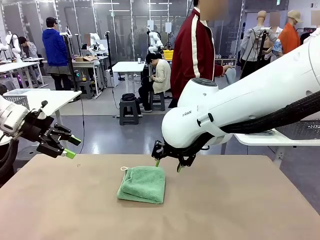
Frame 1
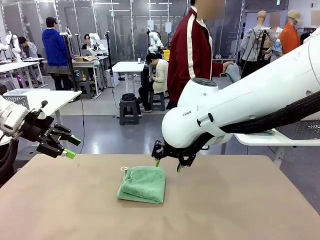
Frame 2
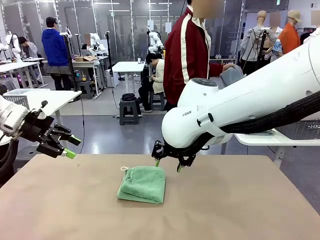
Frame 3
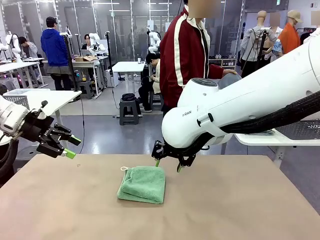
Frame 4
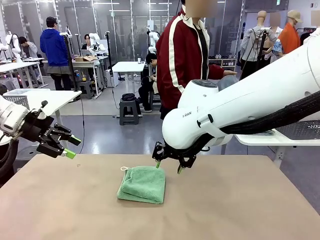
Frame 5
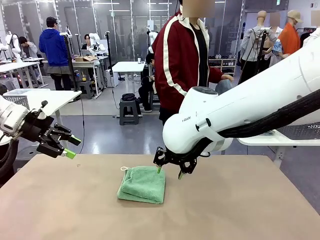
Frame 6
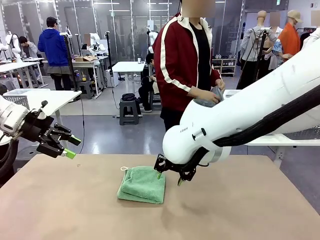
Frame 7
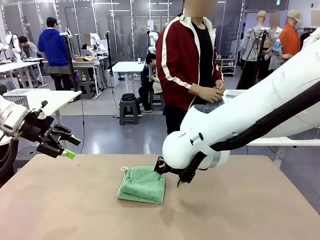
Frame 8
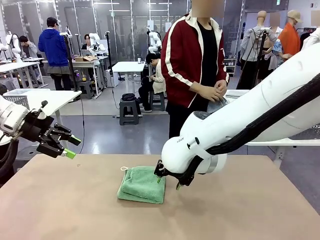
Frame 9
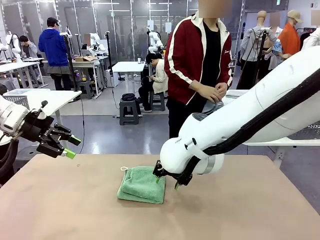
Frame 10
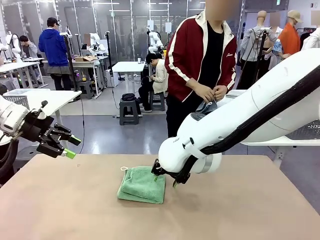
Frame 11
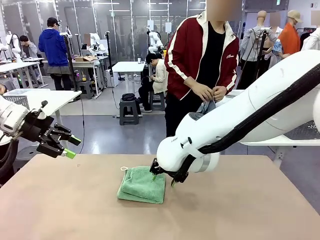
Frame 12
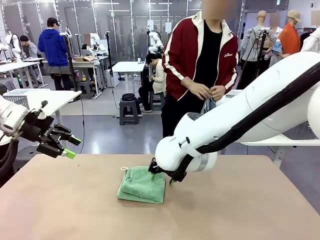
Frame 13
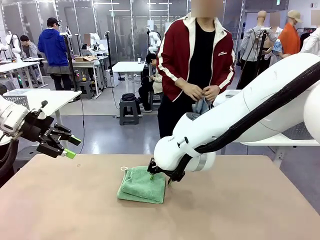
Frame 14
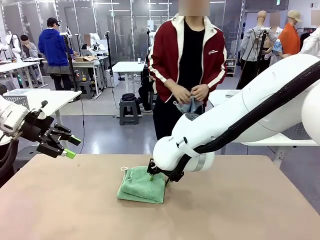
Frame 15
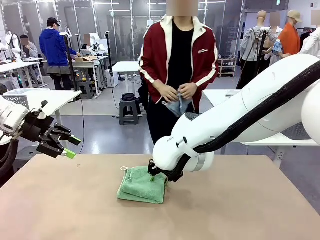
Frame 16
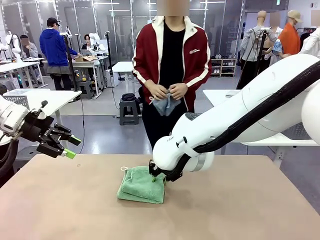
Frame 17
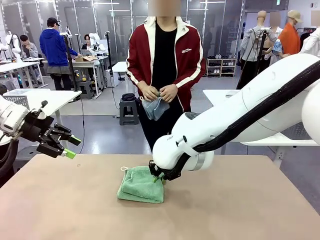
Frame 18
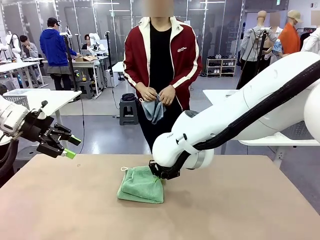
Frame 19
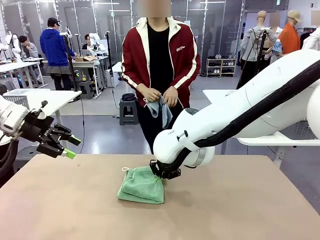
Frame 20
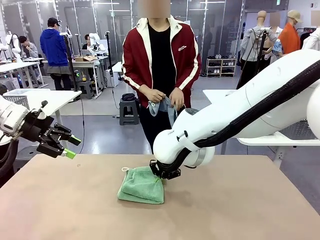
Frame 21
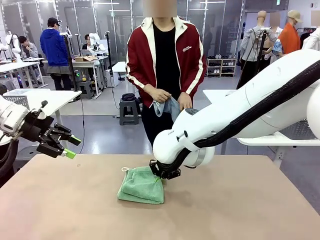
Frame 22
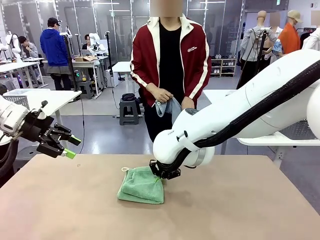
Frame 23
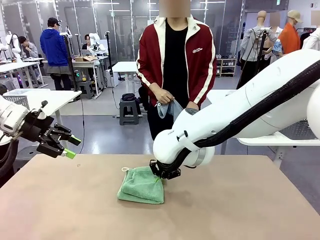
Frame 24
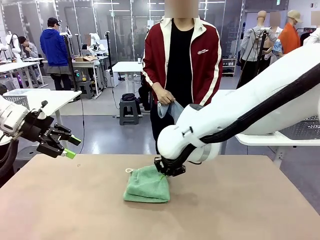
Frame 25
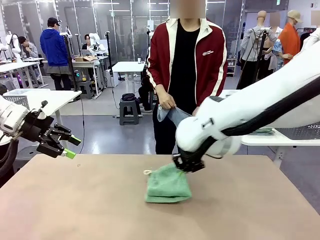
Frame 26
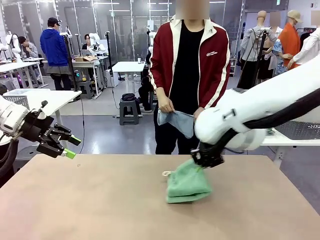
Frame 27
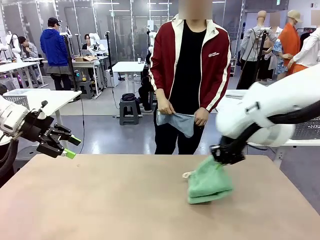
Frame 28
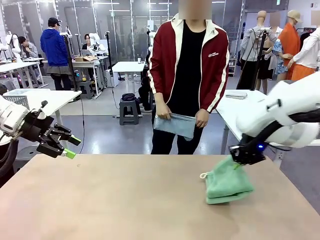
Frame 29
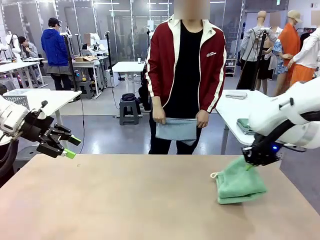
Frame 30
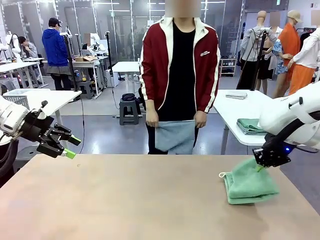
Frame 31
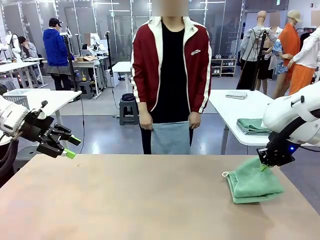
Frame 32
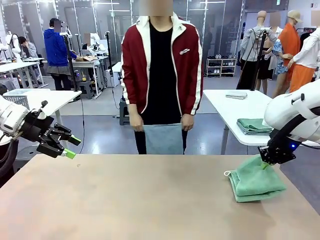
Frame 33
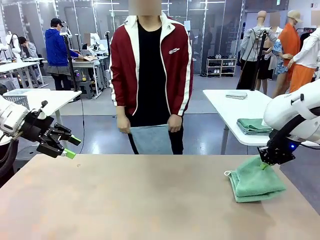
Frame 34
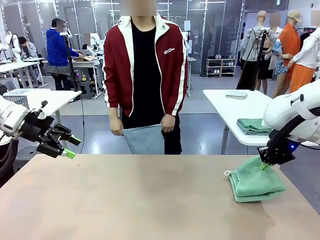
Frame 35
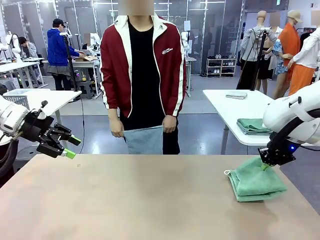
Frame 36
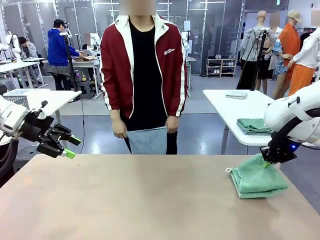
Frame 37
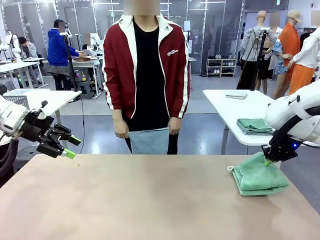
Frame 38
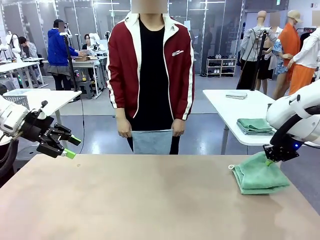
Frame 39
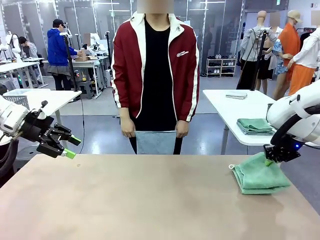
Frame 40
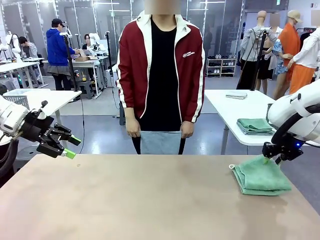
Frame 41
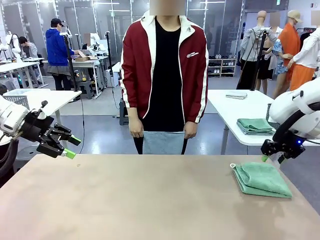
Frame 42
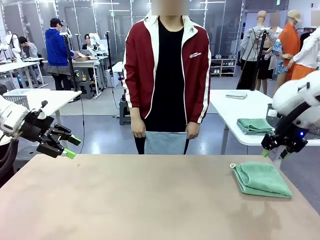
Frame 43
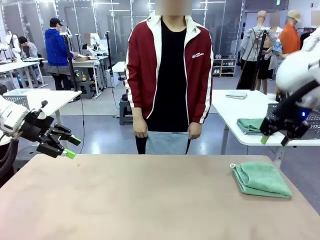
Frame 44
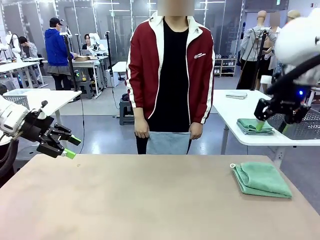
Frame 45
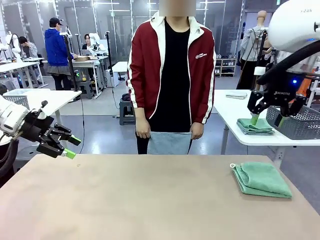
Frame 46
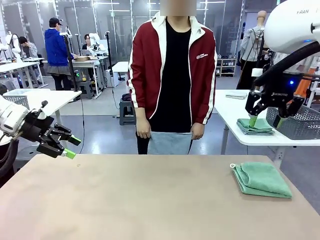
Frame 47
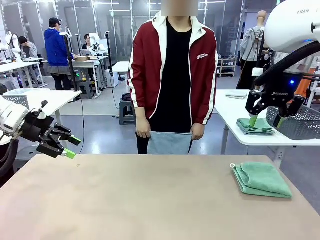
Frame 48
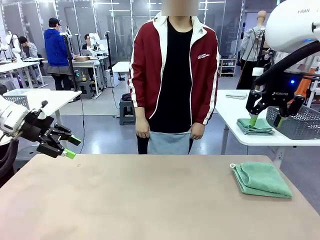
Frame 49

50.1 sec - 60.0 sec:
Task: Fold the towels and place them in the basket.
Robot: Place the folded Towel with hook on the right side of the table.
Person: Pick up one towel from the left side of the human table and spread it out at the center of the robot table.

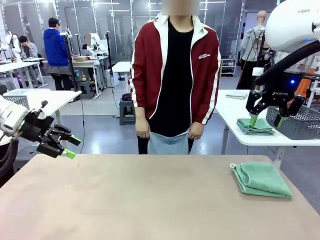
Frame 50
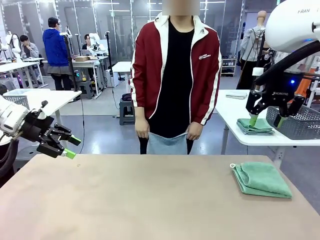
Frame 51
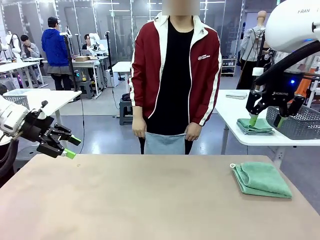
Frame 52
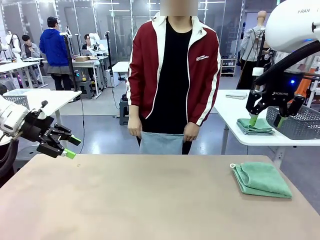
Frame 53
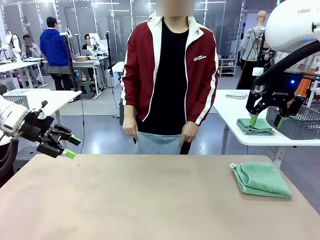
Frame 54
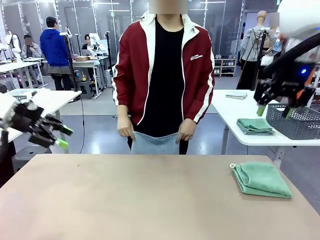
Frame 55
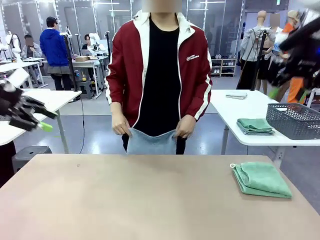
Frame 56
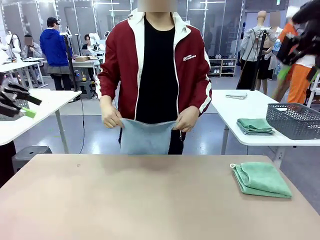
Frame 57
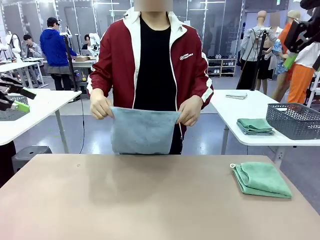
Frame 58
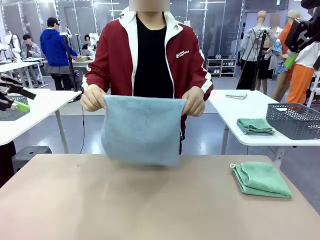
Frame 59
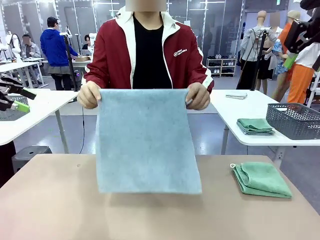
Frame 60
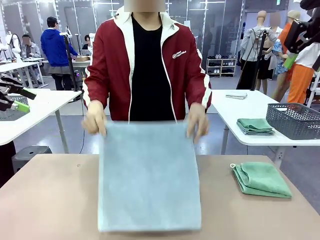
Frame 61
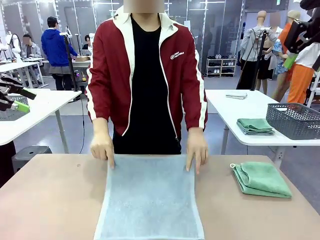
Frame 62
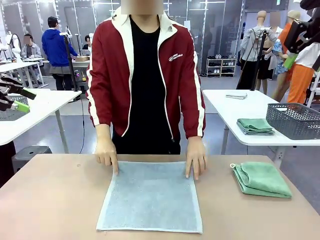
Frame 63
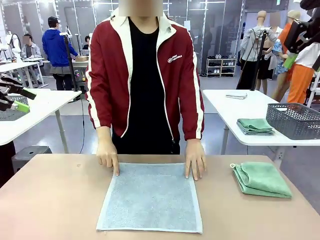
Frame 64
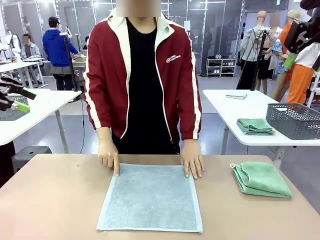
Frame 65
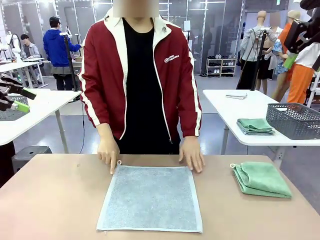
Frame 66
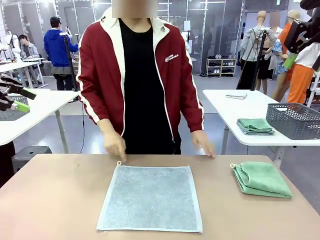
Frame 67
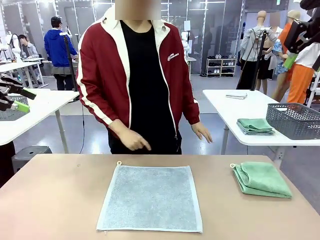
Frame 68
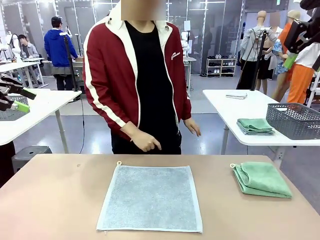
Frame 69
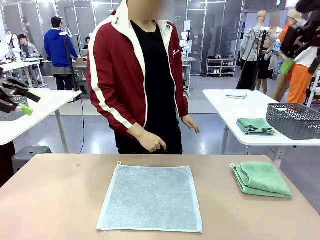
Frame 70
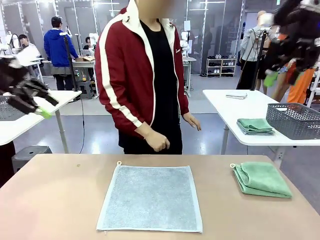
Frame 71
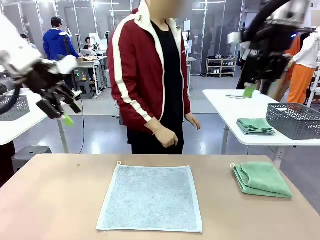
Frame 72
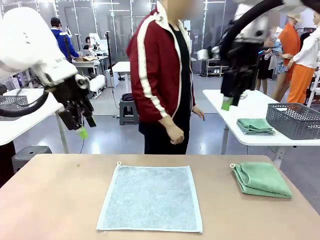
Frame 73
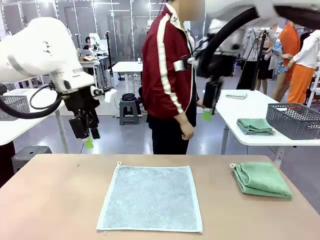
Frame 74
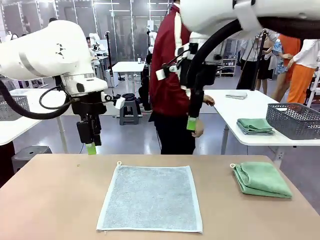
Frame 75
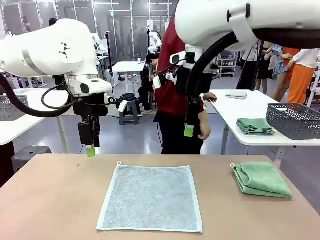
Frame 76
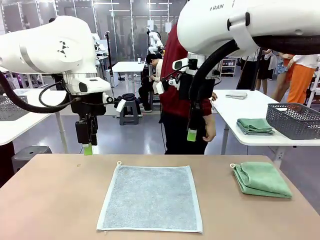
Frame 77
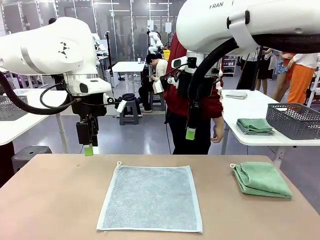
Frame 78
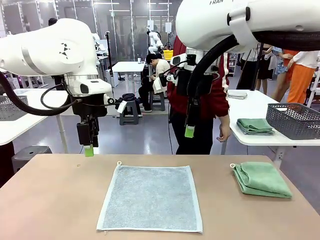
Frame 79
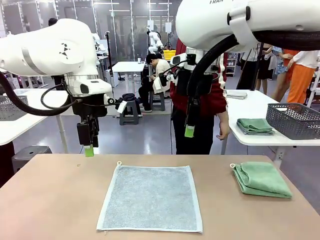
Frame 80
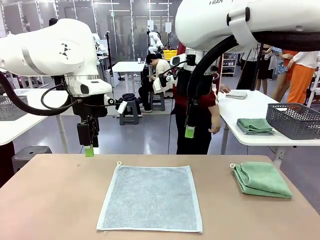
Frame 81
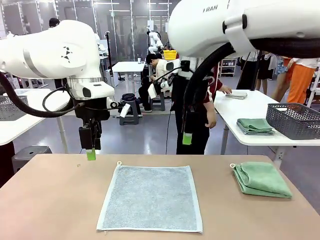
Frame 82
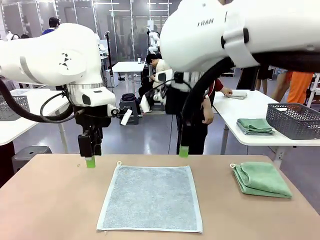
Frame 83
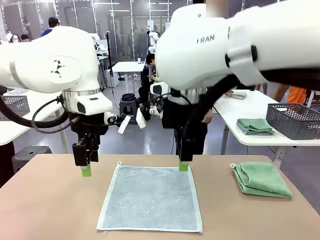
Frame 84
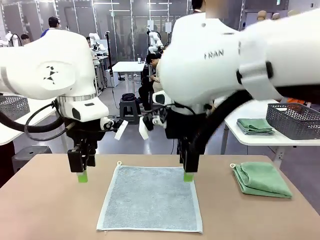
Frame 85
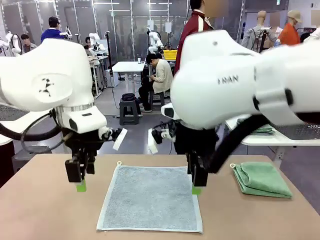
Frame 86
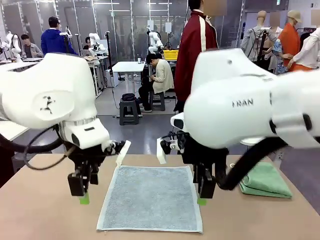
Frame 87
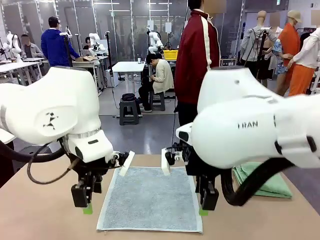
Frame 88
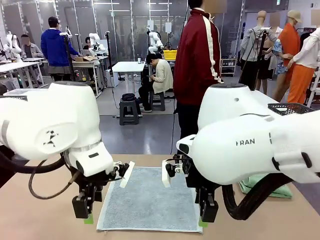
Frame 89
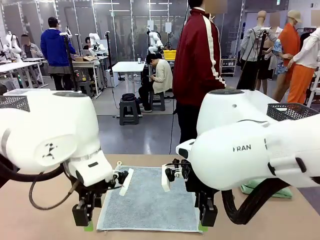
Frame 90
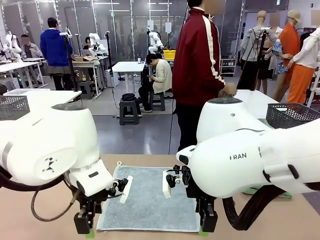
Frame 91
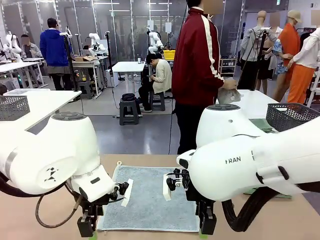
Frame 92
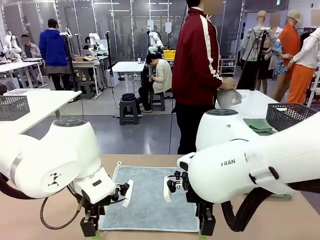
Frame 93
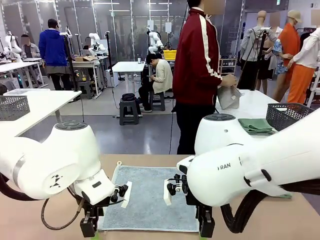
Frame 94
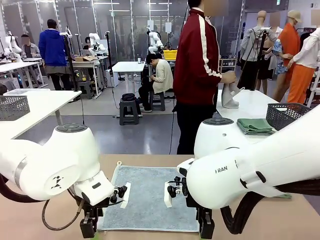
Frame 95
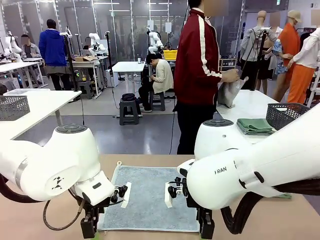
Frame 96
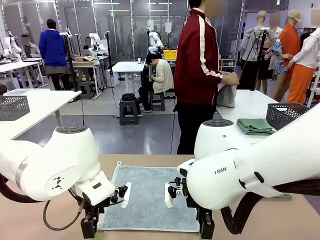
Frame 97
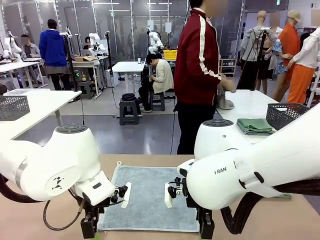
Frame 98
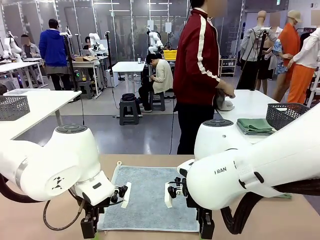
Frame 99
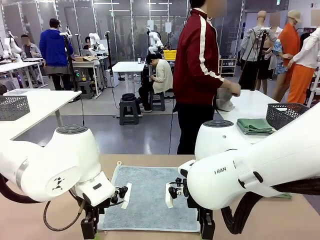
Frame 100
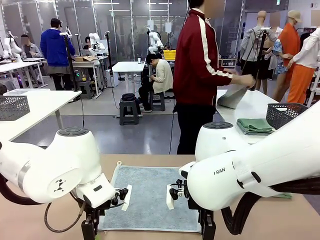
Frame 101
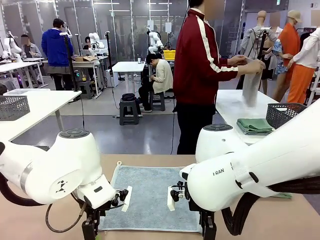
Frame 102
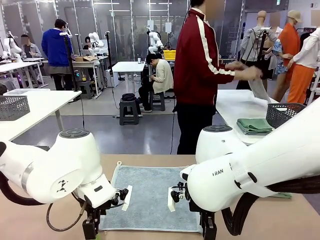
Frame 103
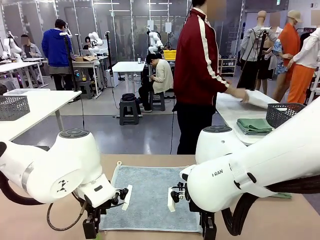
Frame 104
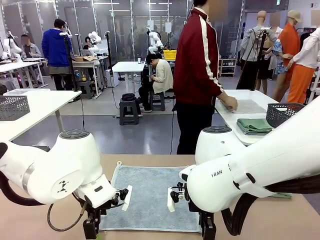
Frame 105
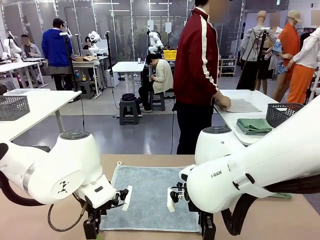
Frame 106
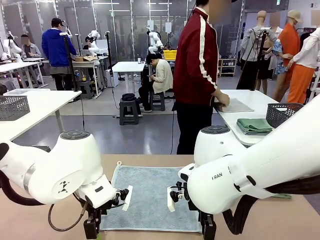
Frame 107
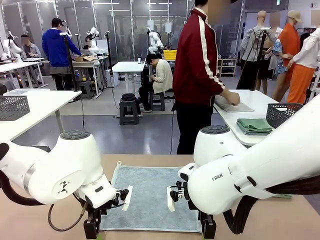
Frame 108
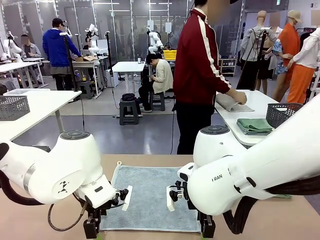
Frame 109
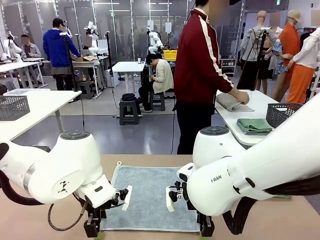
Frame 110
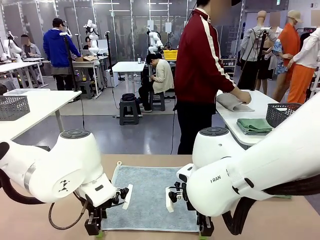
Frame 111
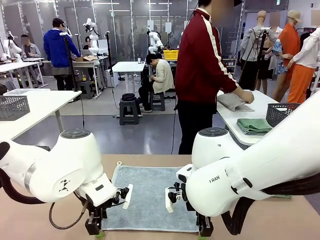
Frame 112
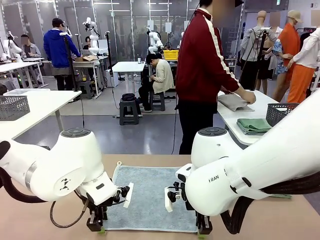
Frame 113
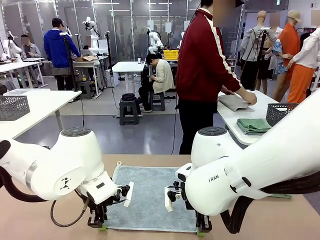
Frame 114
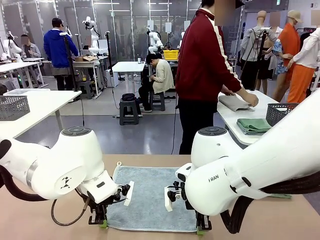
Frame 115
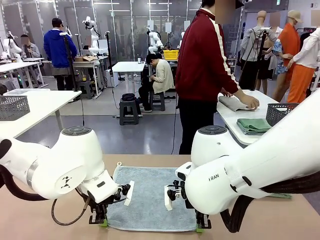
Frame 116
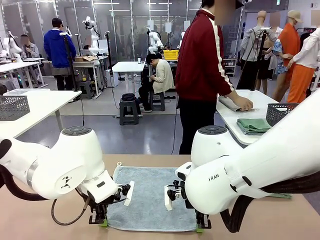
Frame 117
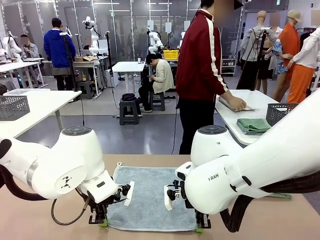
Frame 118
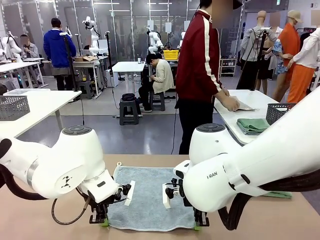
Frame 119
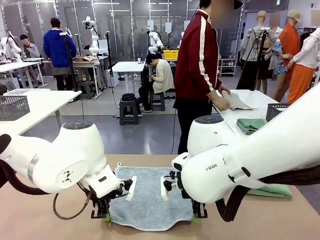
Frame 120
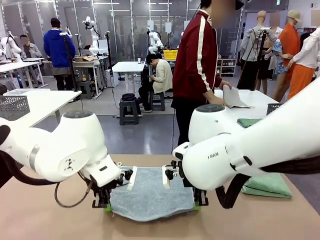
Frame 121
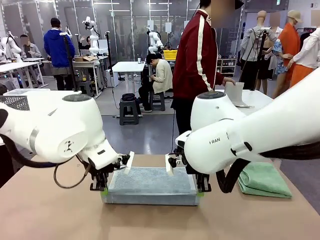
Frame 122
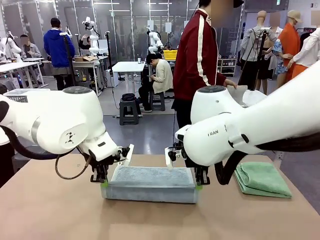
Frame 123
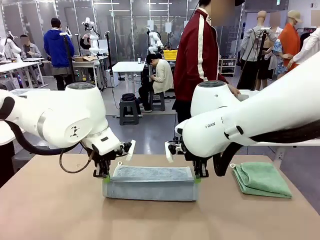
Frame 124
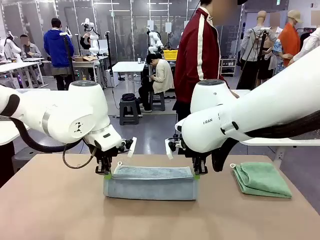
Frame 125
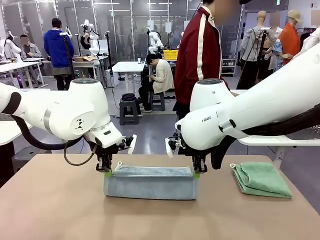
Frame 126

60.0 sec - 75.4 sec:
Robot: When a person lays out a Towel with hook on the table, fold it in half twice.
Person: Pick up one towel from the left side of the human table, fold it in half twice, and stack it on the right side of the table.
